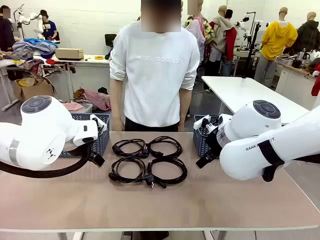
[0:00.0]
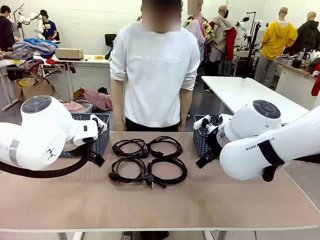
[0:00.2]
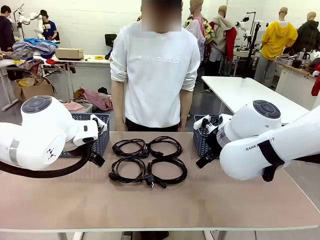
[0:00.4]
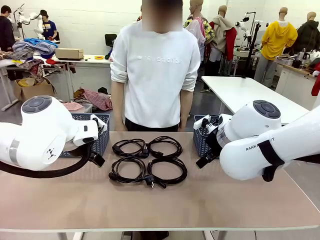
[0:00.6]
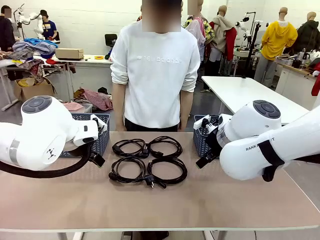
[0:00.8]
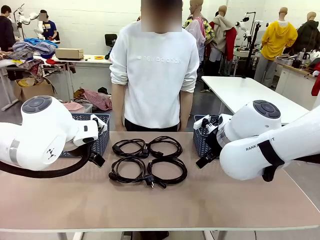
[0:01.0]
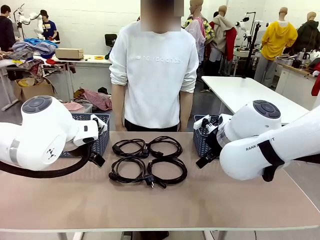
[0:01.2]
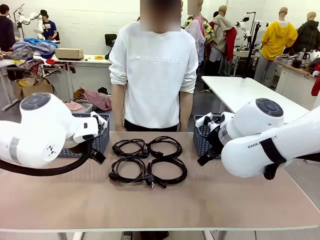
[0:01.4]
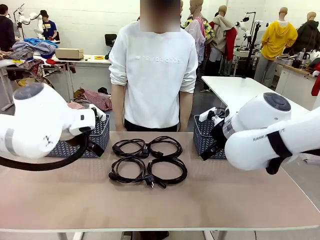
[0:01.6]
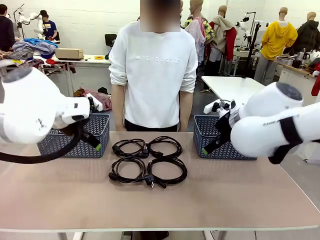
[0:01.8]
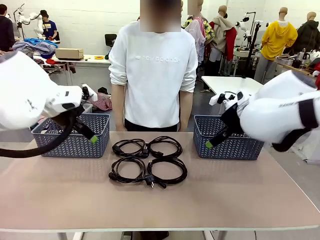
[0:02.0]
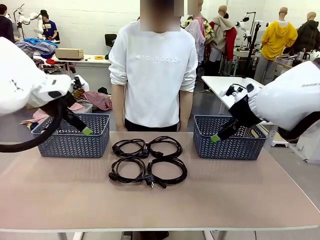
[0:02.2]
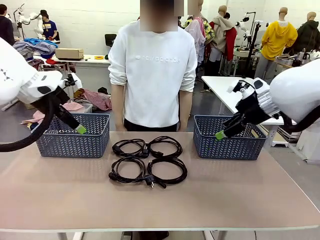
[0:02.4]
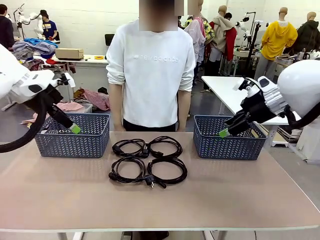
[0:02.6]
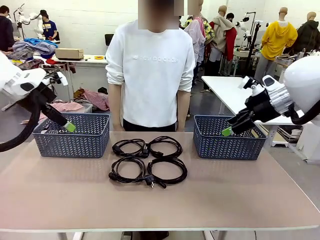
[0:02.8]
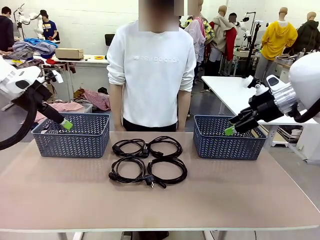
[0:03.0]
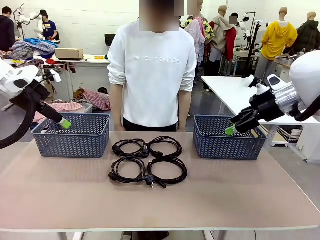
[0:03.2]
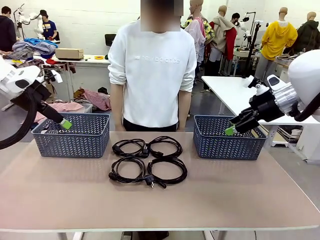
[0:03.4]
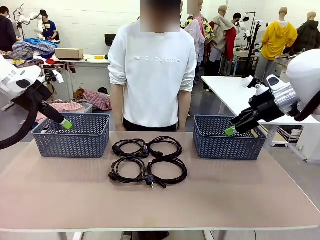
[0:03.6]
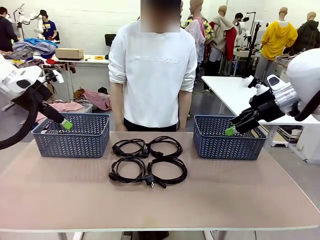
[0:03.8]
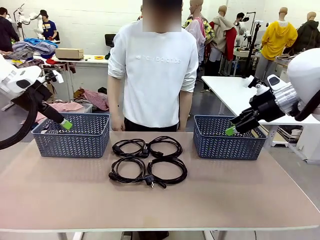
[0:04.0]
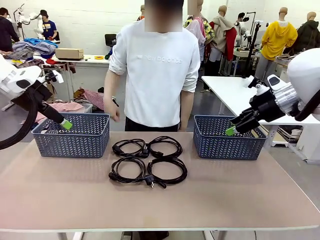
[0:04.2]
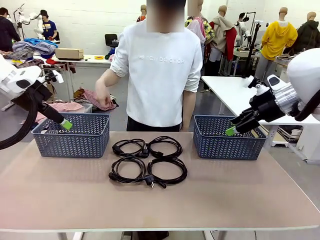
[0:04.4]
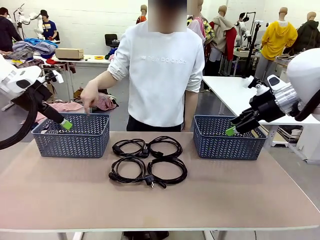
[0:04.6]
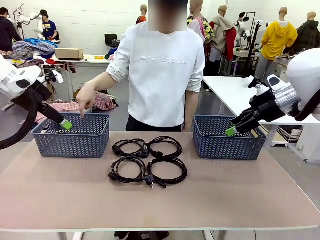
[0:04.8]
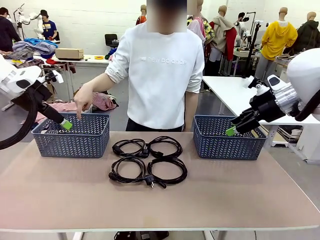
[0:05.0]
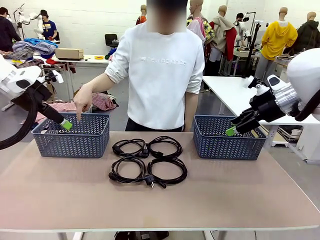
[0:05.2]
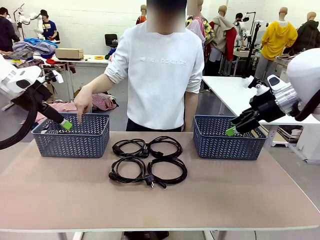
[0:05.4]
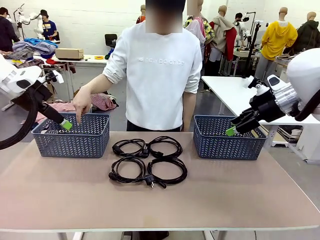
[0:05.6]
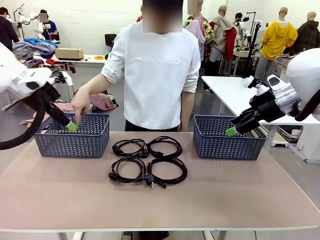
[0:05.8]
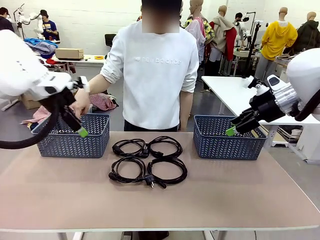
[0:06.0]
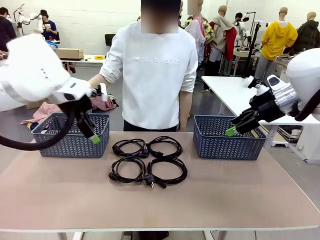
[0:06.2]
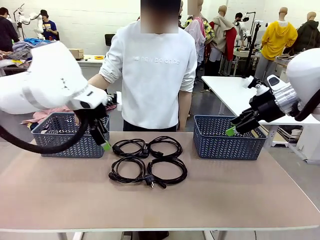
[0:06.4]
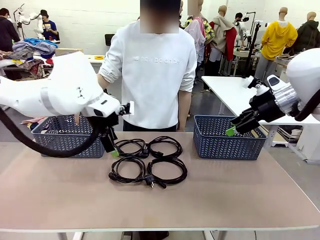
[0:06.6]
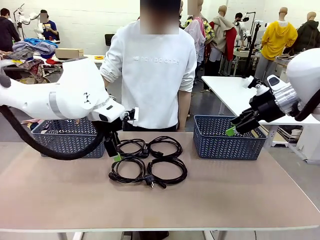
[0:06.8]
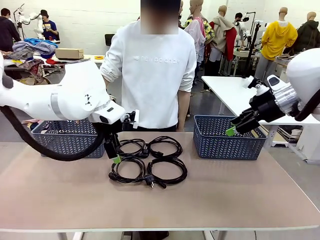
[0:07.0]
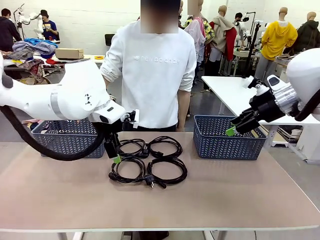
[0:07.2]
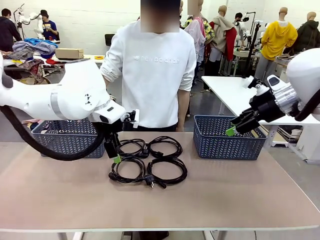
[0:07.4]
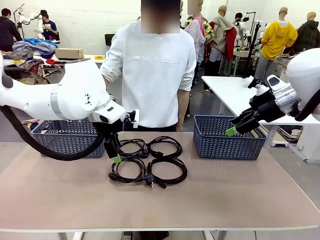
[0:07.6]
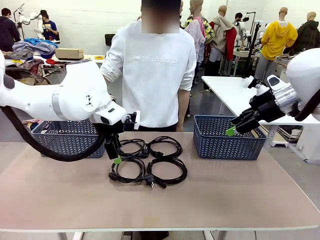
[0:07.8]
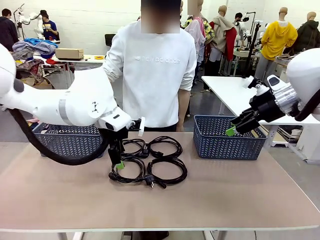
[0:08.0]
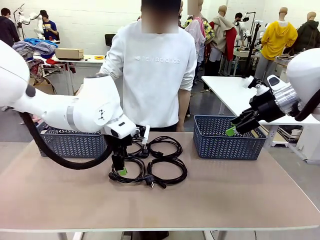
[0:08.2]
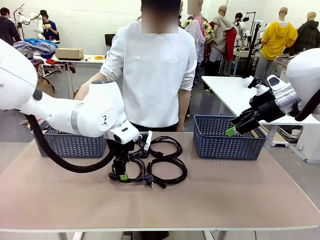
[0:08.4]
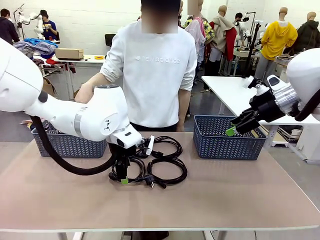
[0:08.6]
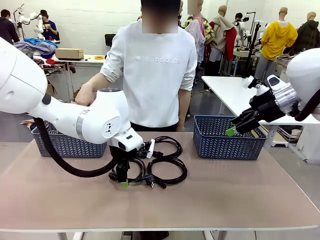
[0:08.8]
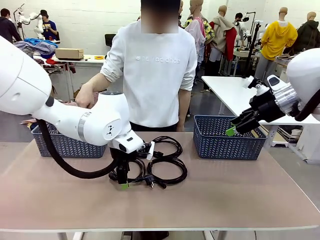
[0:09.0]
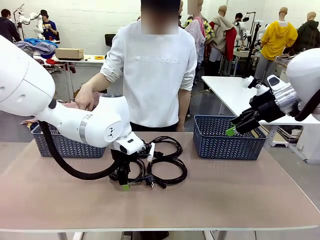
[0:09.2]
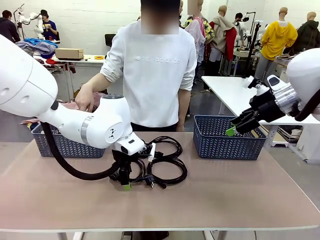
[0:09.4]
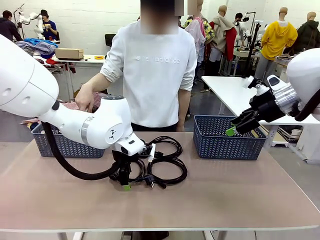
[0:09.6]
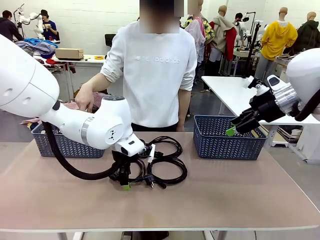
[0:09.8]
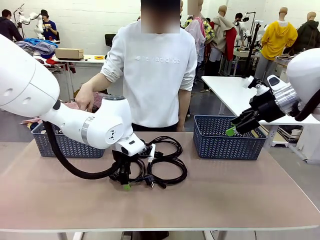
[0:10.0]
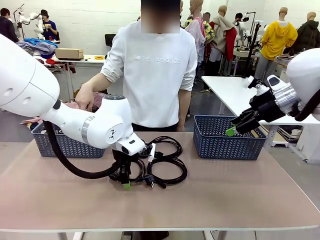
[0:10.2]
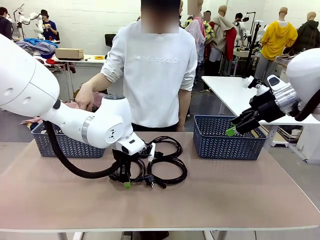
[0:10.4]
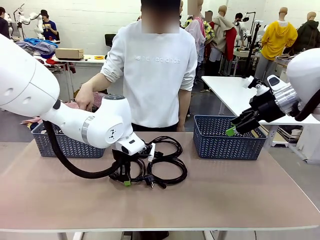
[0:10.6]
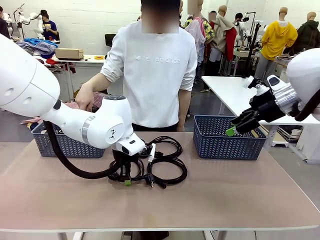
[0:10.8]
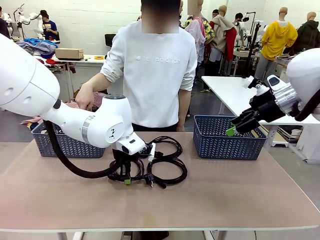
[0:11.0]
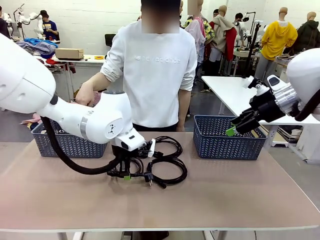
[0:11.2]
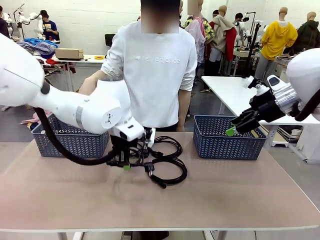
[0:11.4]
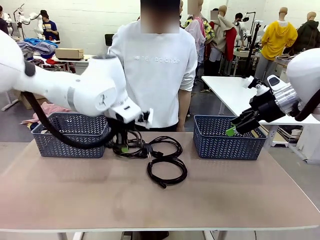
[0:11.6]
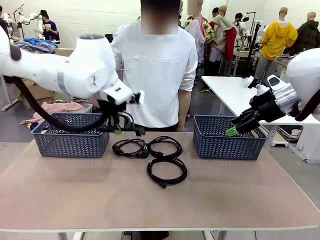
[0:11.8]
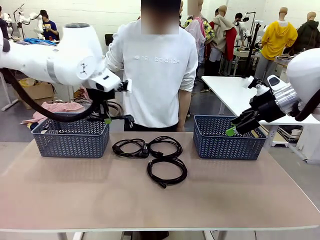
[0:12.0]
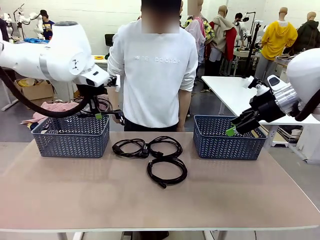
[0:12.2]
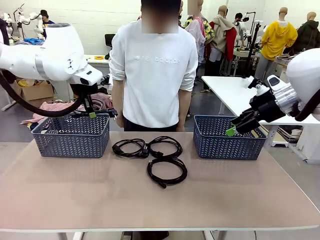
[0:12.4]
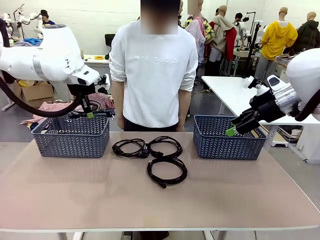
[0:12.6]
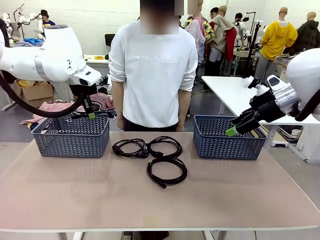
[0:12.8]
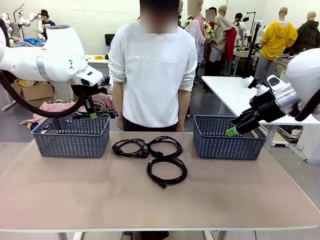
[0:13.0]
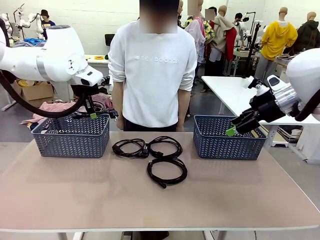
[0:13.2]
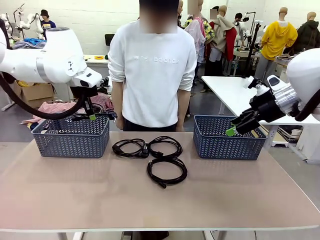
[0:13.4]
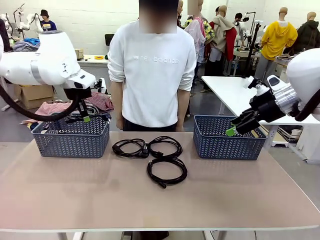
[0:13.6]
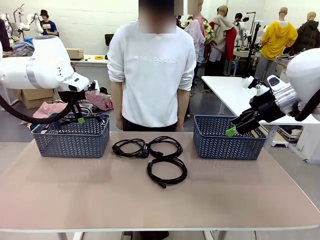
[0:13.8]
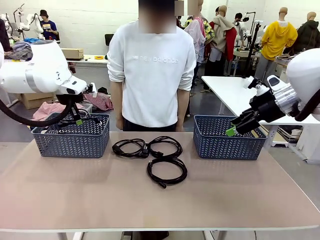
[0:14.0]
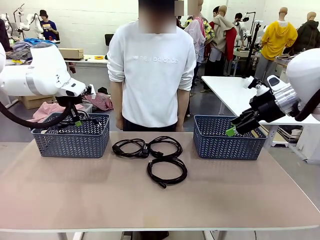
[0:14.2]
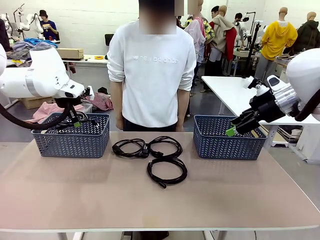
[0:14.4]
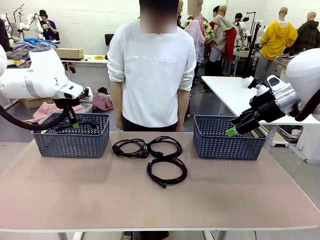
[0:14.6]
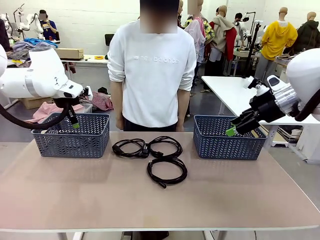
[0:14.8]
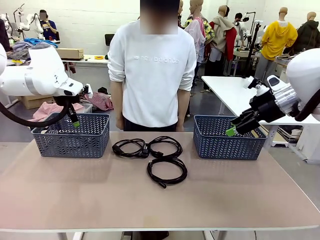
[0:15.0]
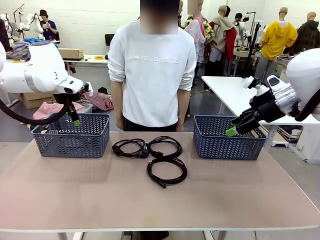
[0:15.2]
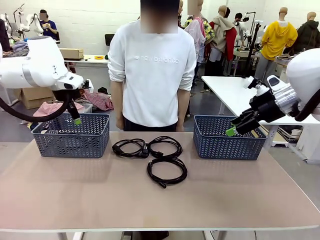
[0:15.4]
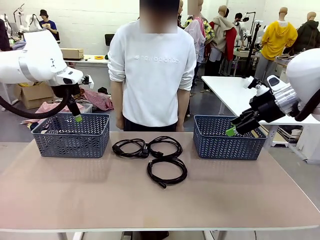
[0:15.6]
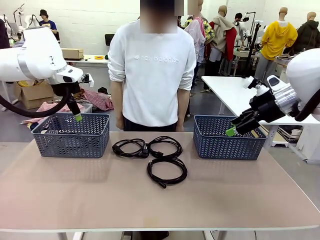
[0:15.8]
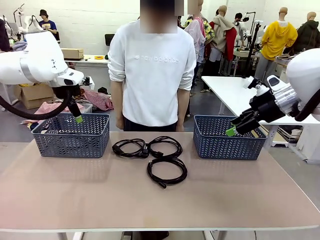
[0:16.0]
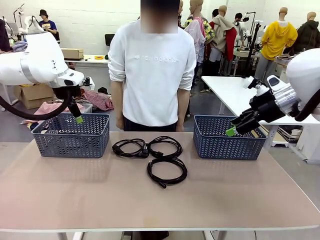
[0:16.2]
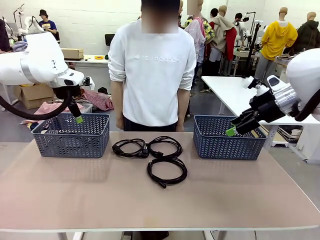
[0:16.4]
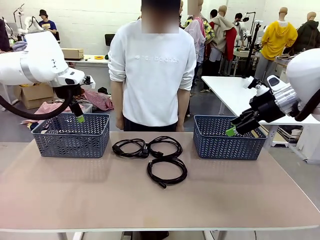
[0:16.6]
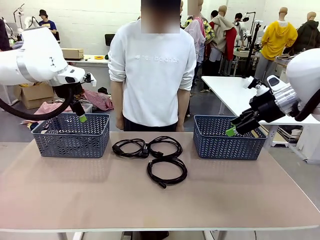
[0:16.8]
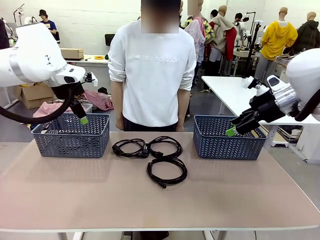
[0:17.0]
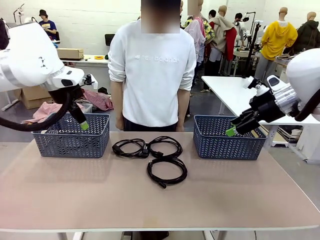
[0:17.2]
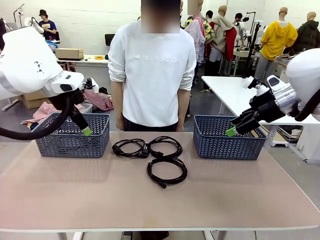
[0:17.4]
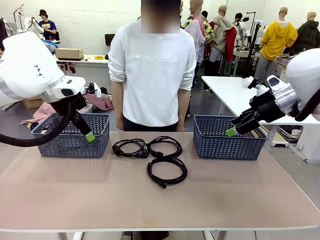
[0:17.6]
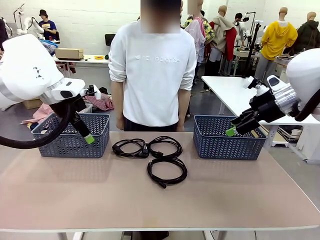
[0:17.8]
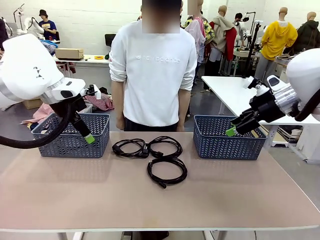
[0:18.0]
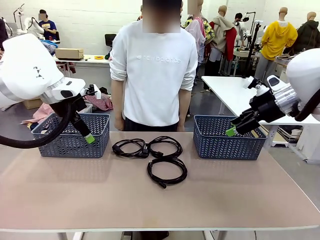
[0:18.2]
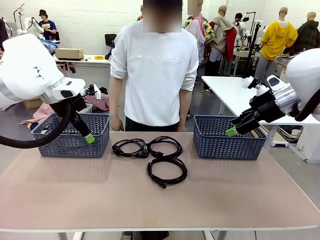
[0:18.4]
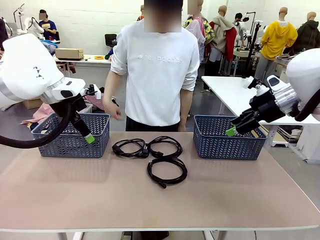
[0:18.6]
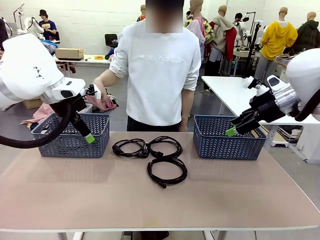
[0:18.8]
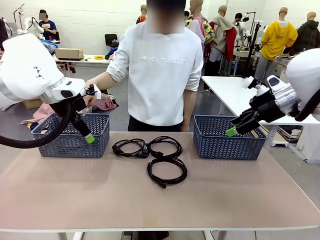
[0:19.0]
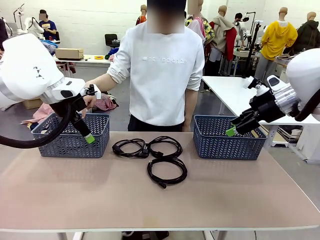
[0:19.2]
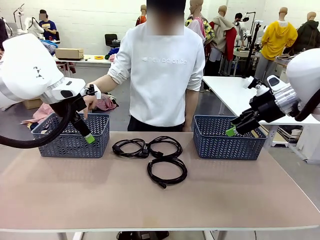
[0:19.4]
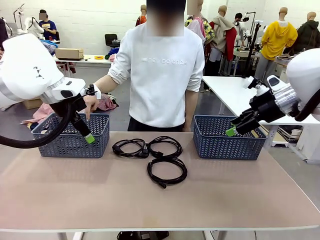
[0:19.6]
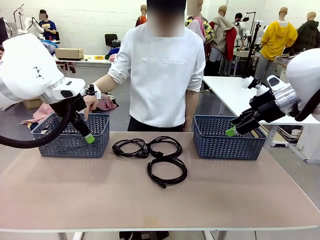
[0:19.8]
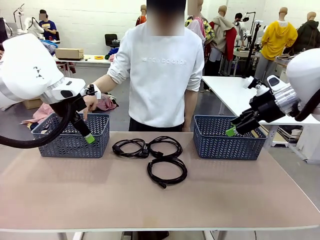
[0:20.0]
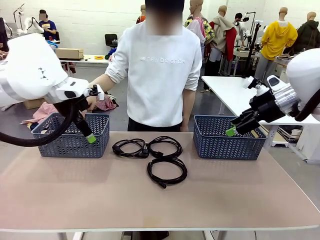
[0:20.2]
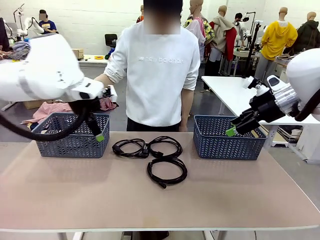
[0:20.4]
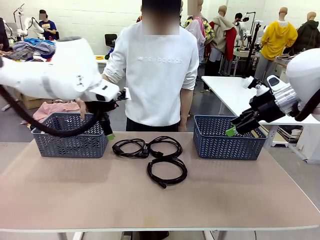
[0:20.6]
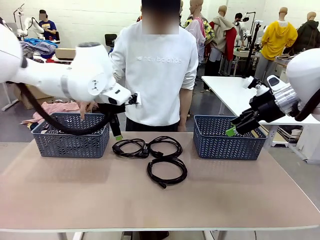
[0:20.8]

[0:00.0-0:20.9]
Task: Organize the cables according to human instructions.
Robot: Pick up a bundle of cables and place it in the basket indicated by the human.
